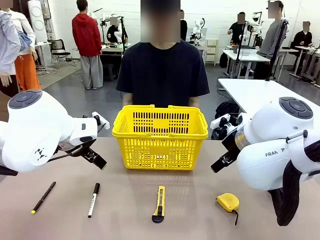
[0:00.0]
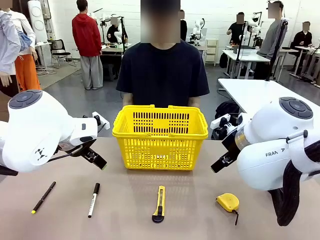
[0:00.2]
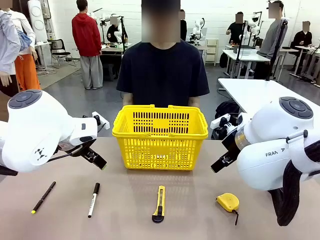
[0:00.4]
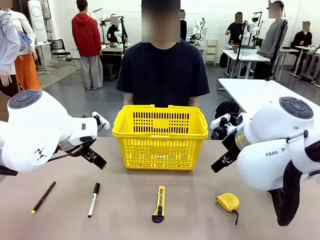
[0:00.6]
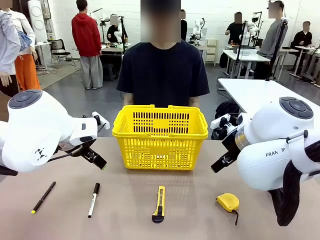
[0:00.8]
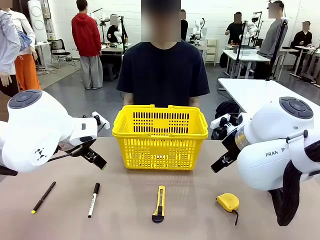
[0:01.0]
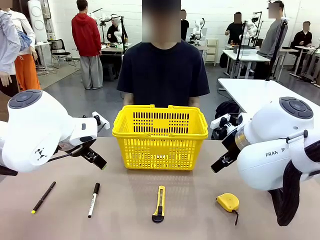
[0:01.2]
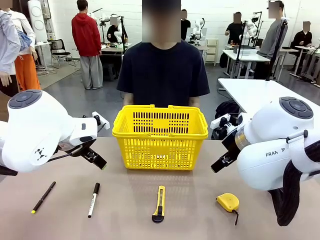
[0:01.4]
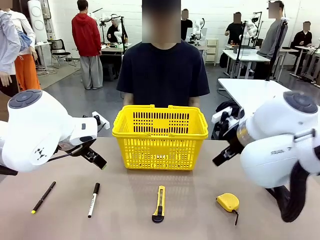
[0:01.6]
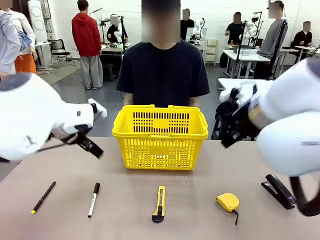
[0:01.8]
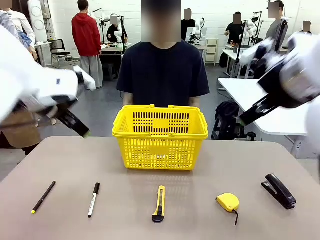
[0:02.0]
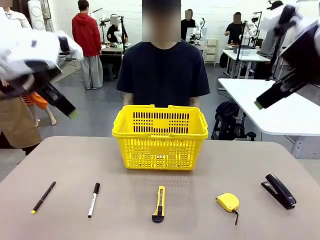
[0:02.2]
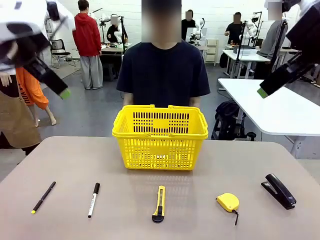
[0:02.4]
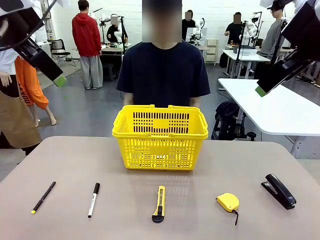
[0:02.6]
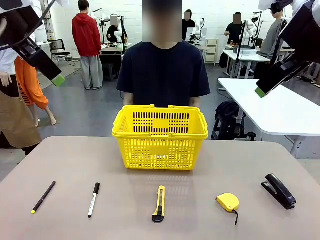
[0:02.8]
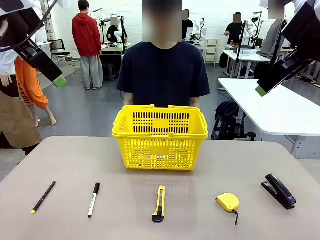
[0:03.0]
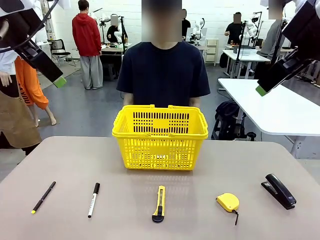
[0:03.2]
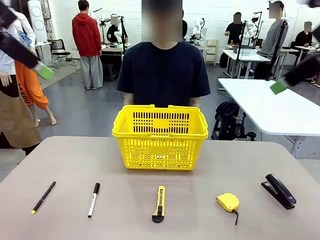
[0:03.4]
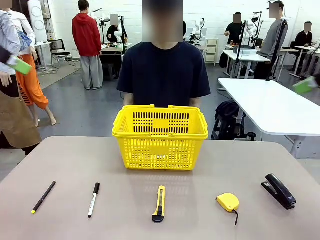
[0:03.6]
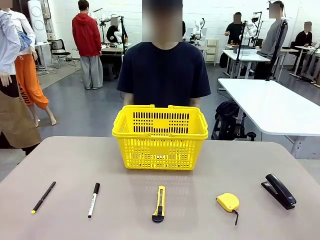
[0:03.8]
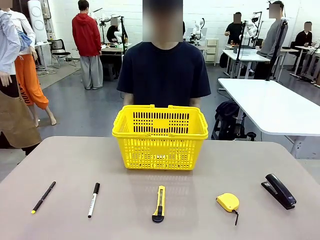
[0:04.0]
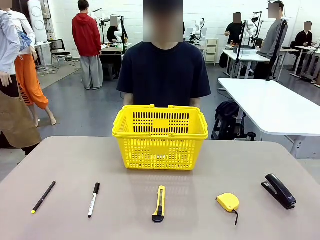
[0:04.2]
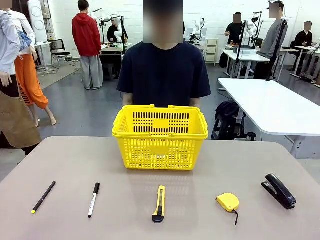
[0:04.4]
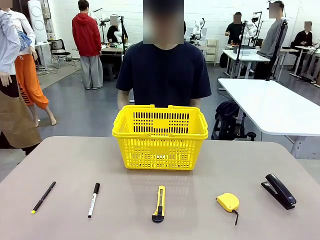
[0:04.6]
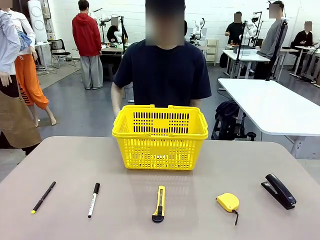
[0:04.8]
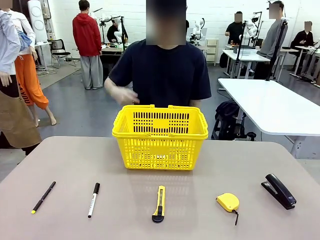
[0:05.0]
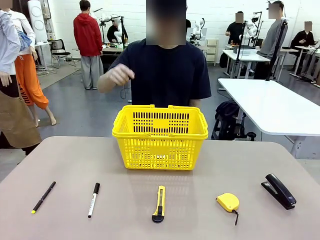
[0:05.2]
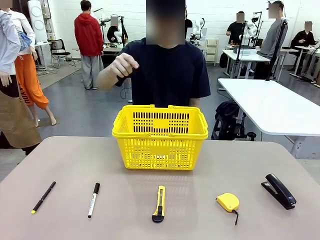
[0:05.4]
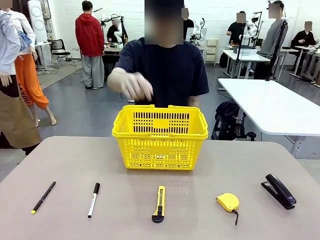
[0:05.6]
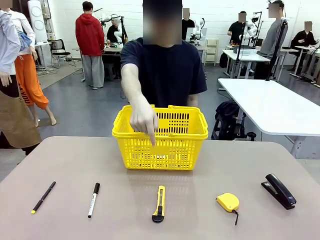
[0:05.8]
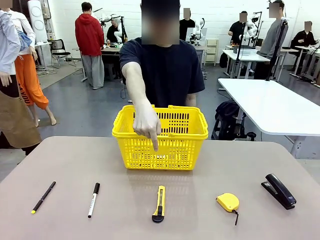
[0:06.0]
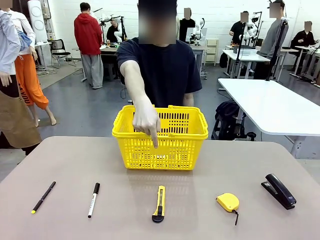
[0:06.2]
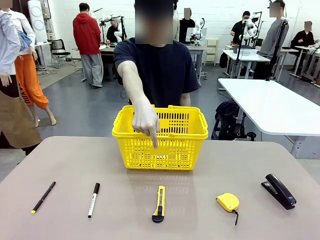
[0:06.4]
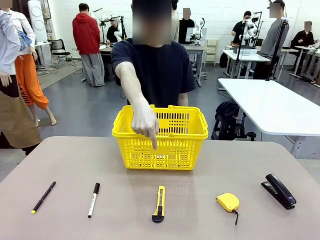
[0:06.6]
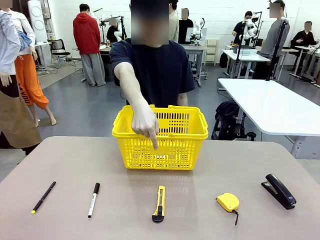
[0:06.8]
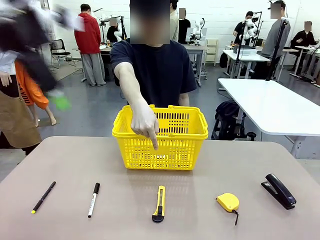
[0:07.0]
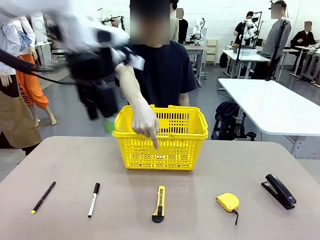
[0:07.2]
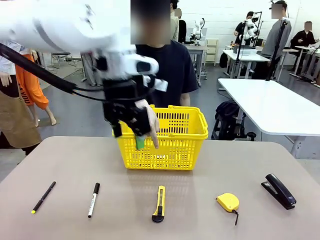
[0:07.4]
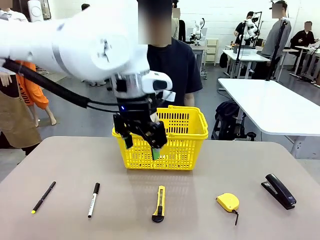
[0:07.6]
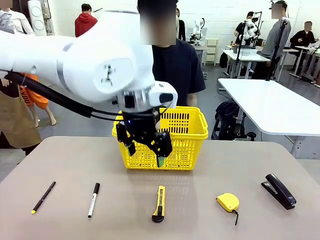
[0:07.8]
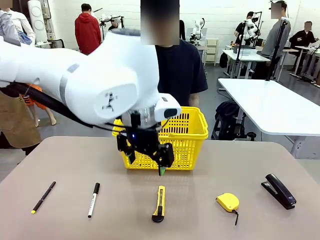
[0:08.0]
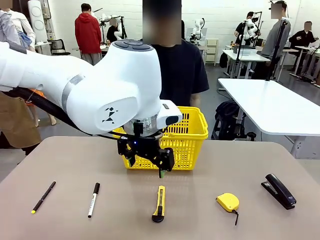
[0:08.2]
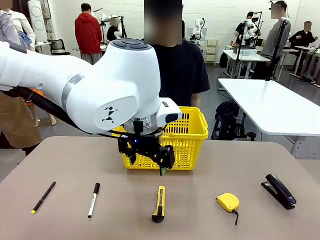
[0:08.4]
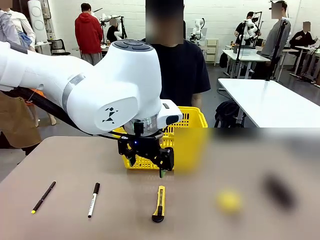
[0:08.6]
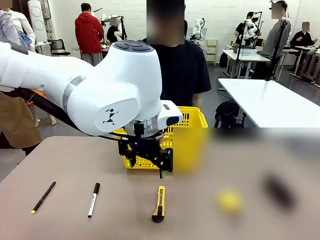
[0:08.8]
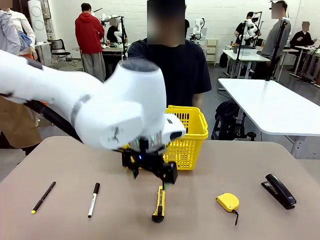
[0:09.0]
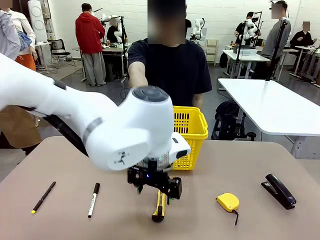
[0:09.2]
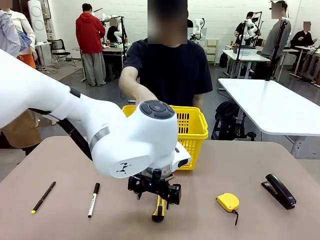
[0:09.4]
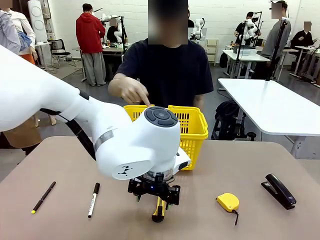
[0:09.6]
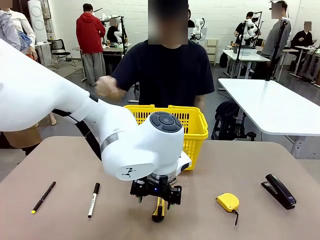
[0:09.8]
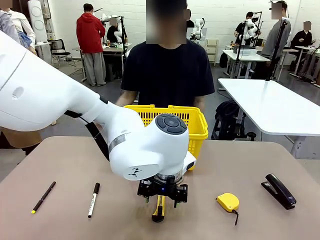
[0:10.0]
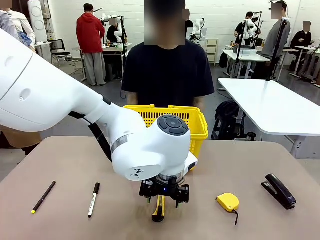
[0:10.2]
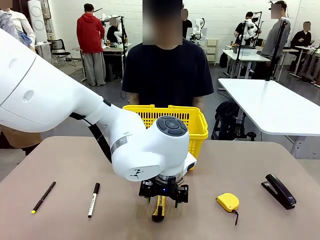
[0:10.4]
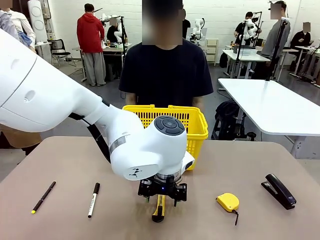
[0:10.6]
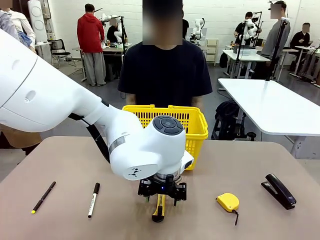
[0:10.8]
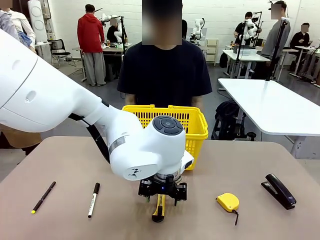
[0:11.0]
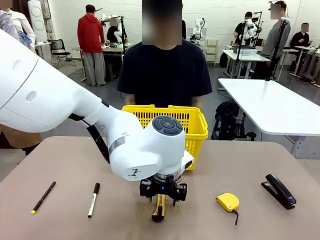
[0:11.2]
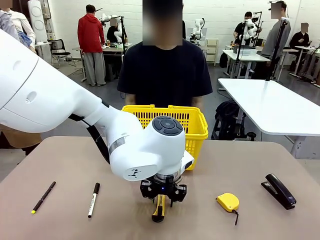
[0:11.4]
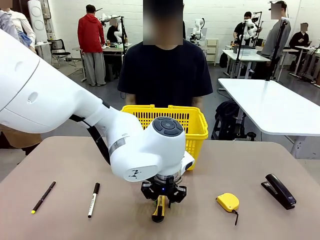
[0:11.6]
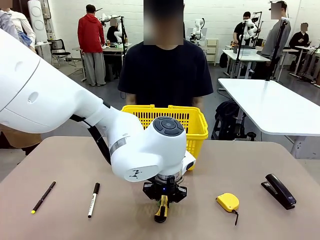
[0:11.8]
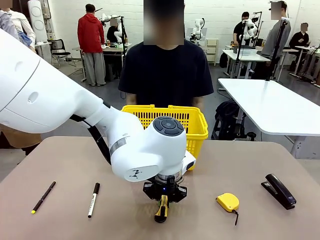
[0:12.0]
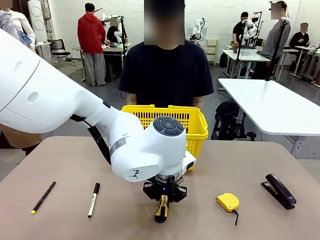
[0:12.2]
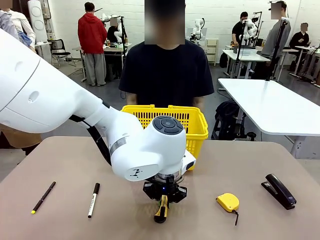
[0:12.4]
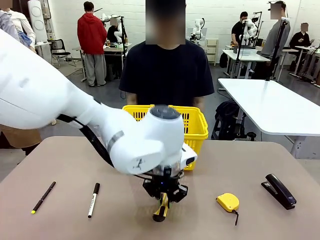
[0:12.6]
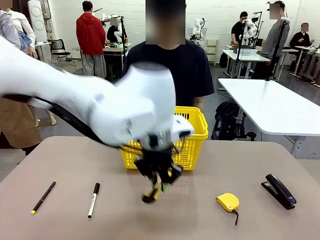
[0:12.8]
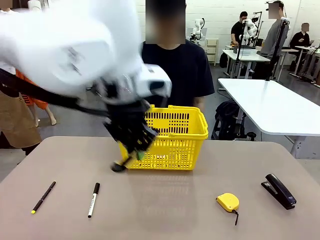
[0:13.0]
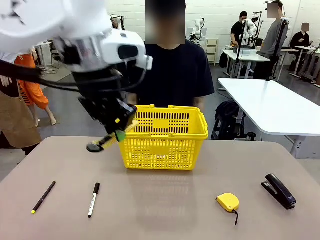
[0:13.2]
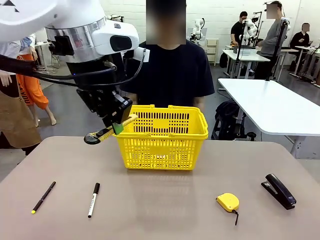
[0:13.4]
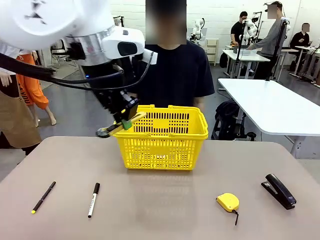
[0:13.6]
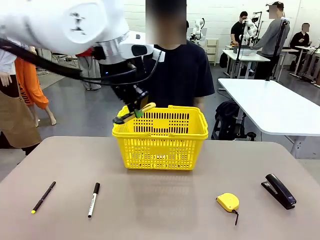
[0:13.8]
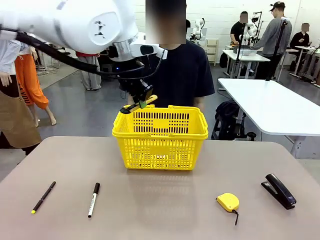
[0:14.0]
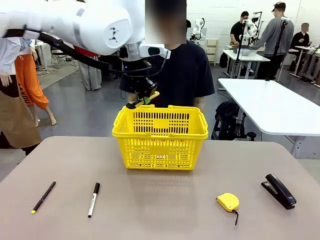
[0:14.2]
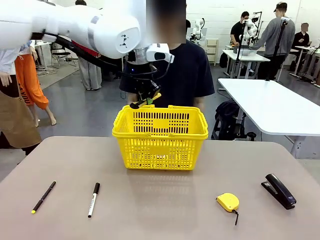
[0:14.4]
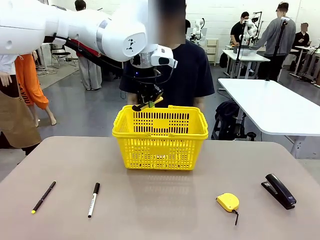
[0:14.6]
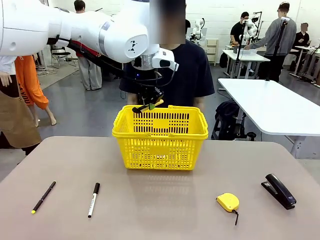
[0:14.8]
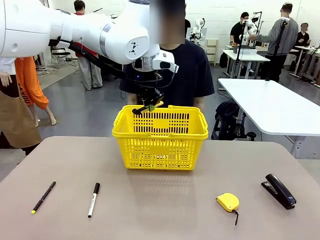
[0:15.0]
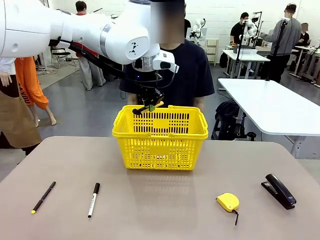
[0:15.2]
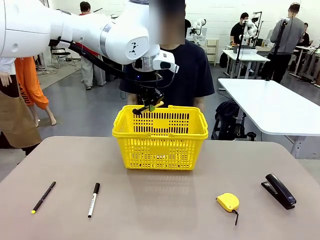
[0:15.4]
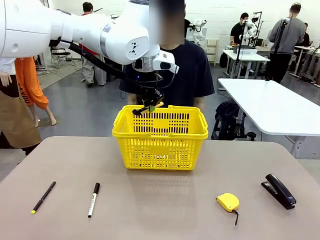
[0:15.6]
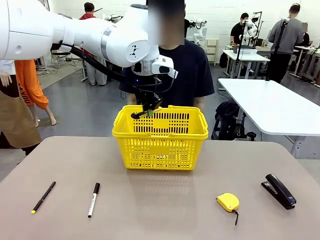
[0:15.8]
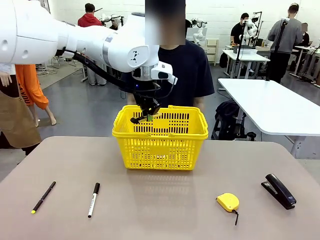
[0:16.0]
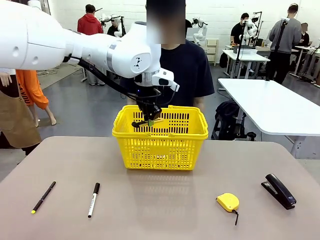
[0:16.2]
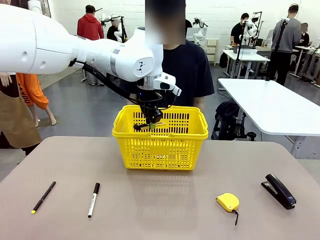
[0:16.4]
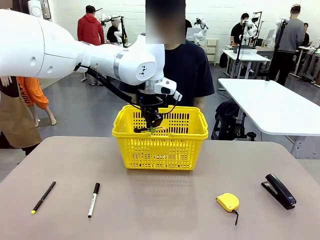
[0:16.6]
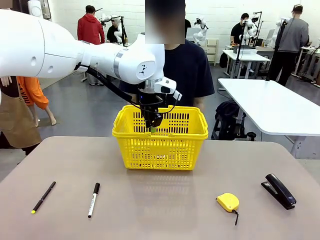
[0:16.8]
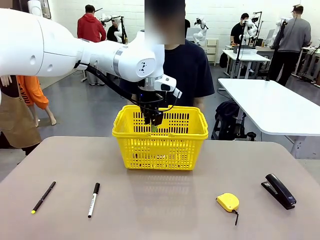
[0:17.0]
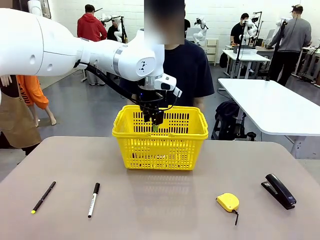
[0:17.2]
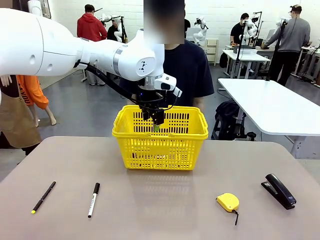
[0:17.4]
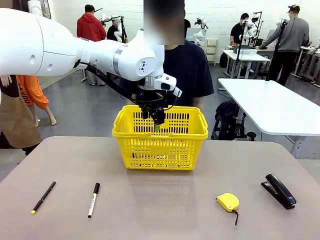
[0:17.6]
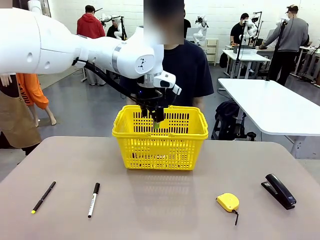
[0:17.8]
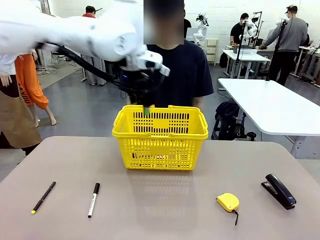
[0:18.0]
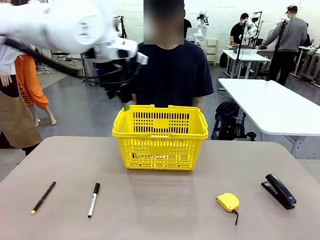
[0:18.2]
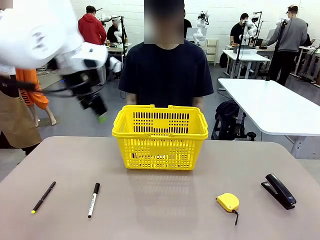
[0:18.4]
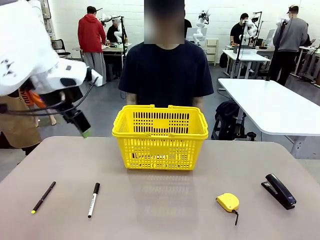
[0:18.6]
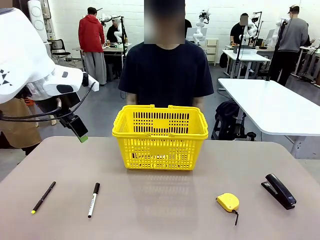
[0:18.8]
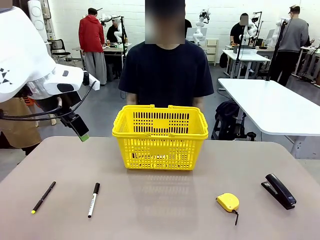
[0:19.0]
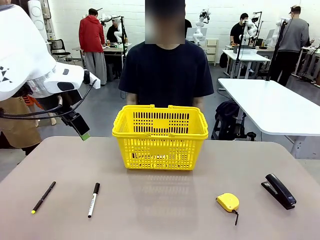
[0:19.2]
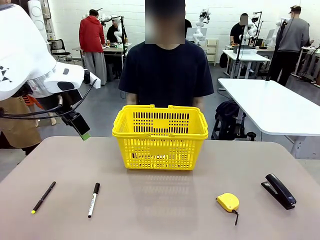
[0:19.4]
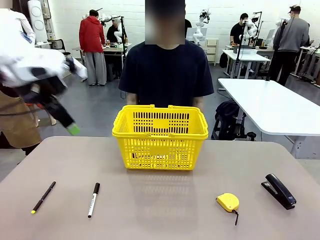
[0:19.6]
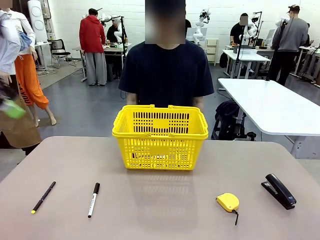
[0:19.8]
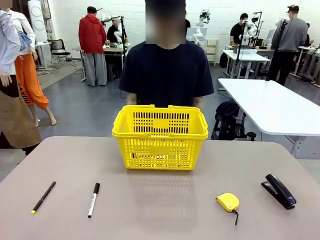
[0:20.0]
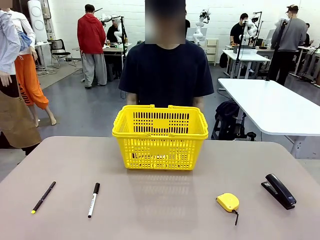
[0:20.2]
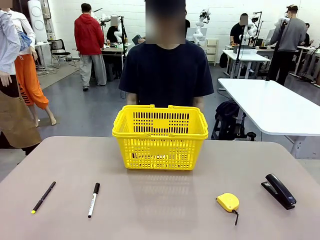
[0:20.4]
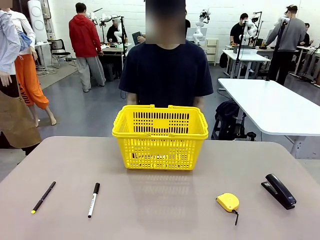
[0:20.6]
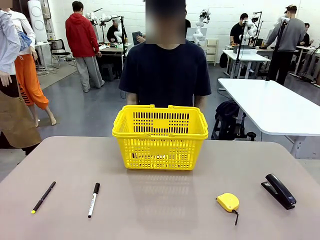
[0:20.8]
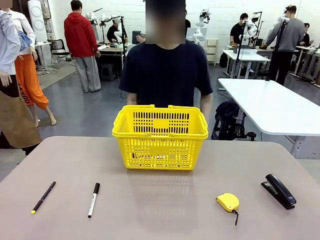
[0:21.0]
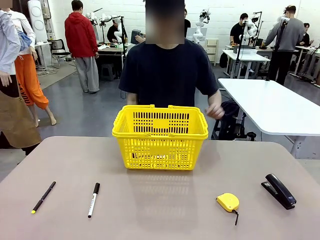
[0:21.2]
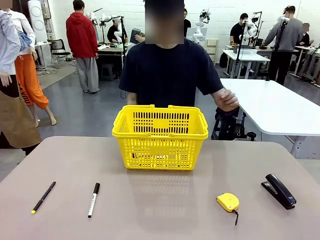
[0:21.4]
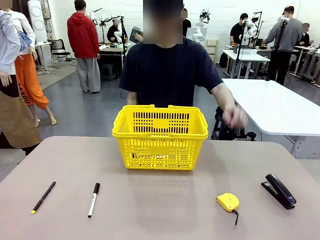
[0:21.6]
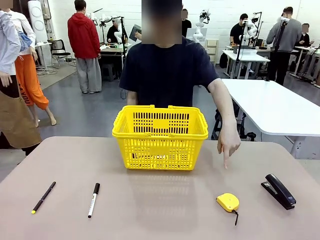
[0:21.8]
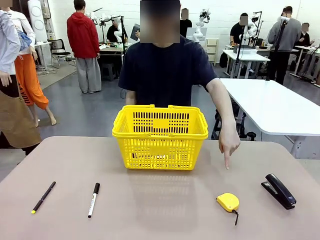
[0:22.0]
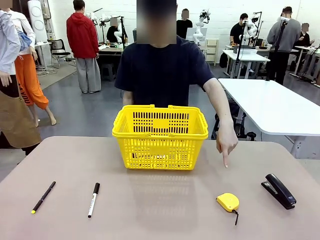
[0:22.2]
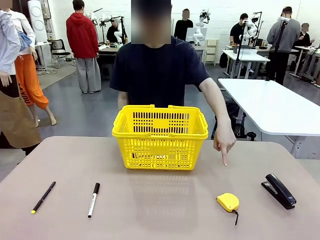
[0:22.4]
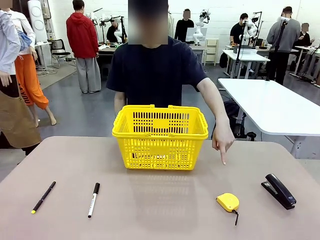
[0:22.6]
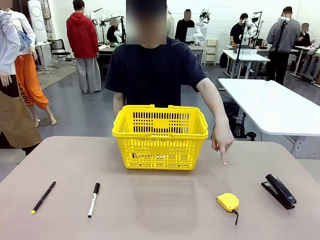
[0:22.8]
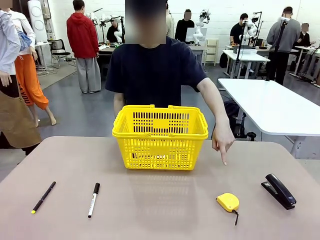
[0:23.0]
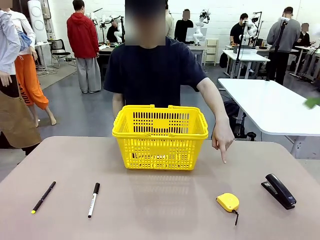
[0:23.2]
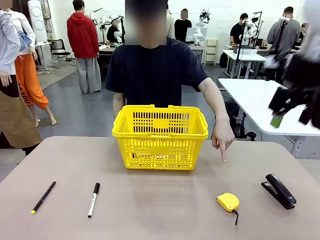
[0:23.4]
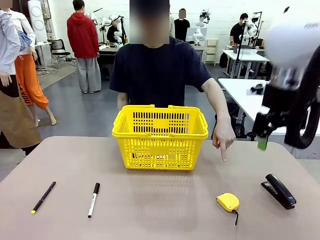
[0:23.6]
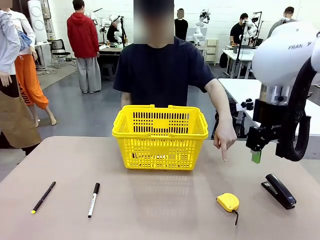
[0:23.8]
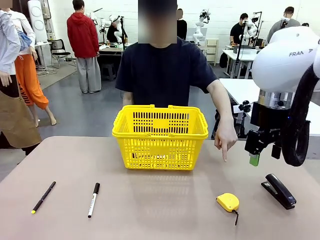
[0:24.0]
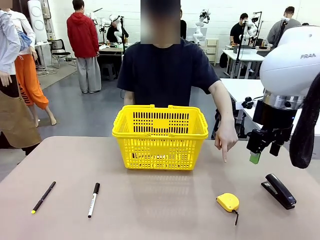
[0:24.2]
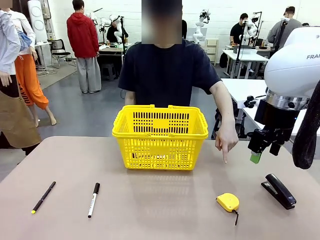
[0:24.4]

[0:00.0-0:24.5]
Task: Place the items the person wants into the basket.
Robot: Pick up the item the person points to and place it in the Market Basket.
